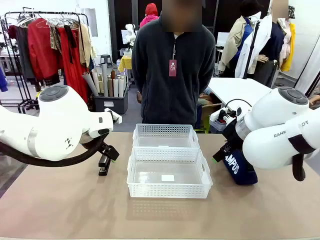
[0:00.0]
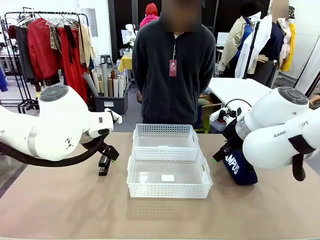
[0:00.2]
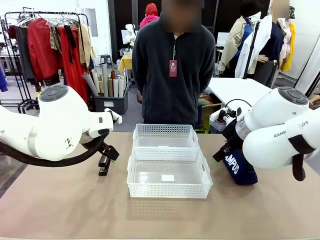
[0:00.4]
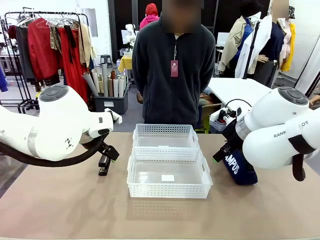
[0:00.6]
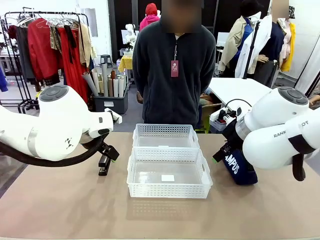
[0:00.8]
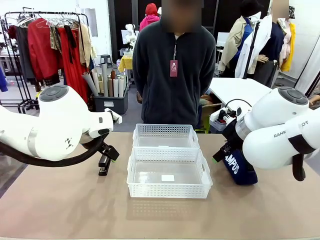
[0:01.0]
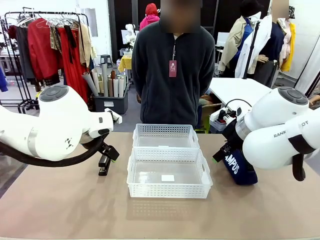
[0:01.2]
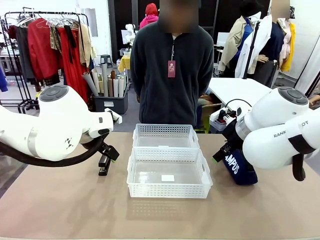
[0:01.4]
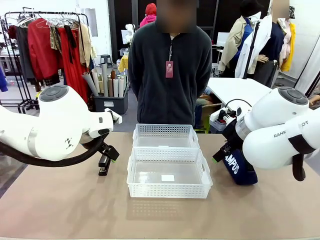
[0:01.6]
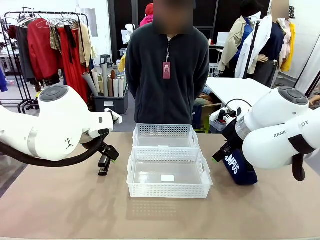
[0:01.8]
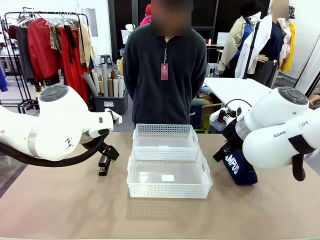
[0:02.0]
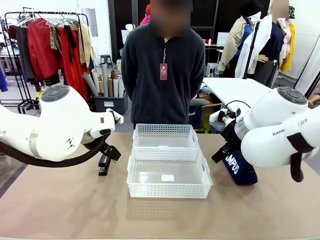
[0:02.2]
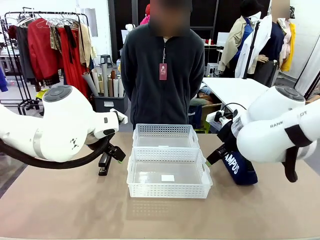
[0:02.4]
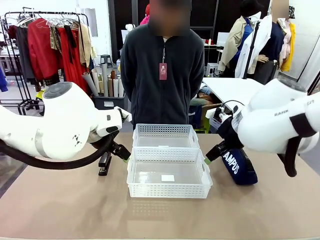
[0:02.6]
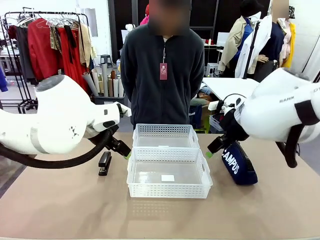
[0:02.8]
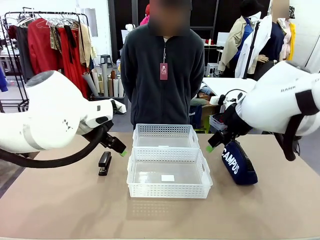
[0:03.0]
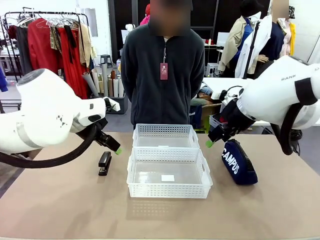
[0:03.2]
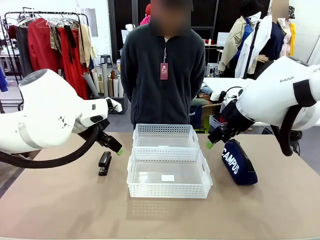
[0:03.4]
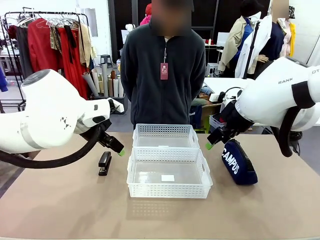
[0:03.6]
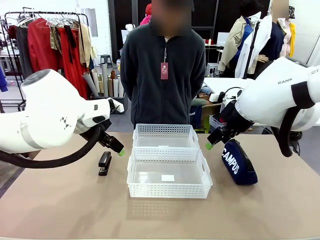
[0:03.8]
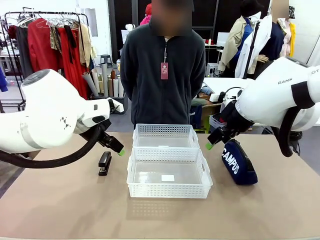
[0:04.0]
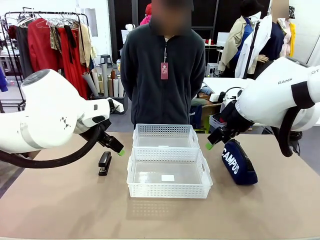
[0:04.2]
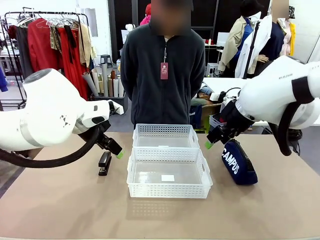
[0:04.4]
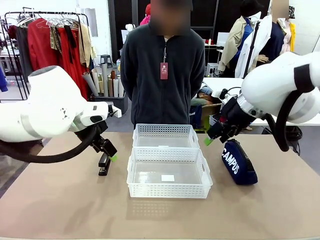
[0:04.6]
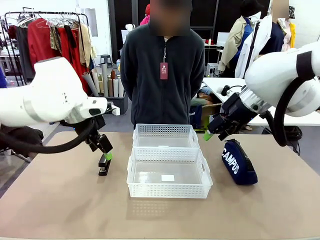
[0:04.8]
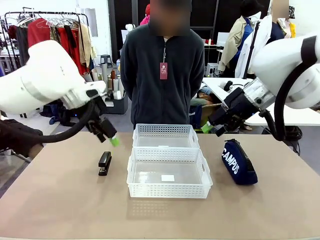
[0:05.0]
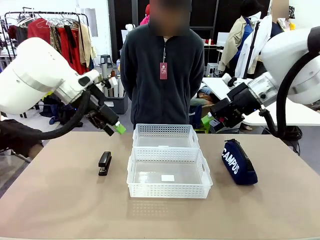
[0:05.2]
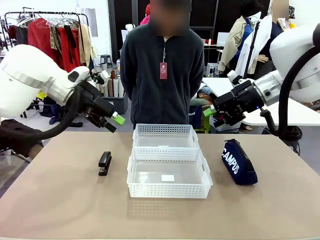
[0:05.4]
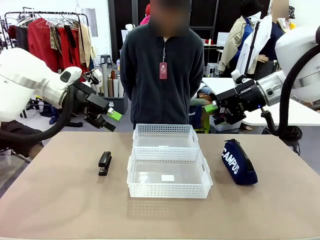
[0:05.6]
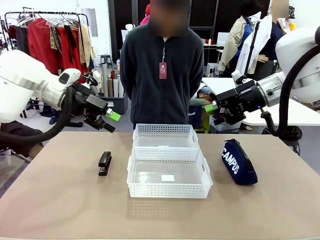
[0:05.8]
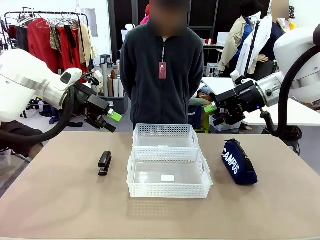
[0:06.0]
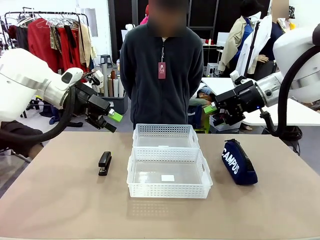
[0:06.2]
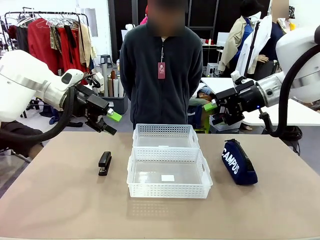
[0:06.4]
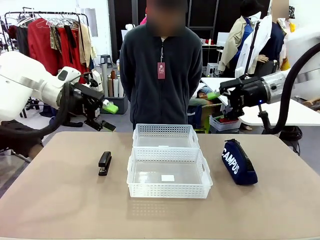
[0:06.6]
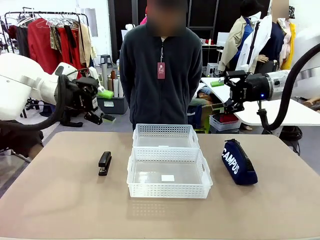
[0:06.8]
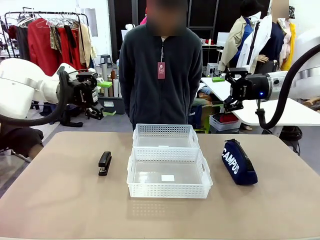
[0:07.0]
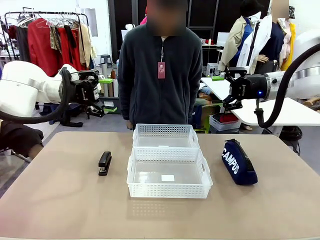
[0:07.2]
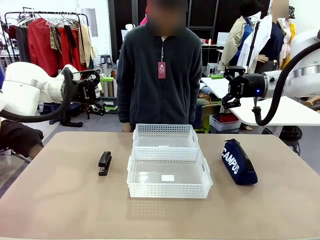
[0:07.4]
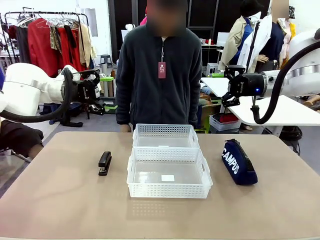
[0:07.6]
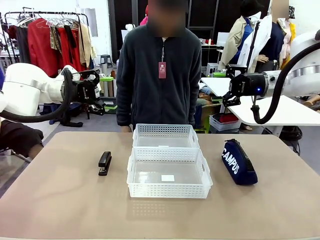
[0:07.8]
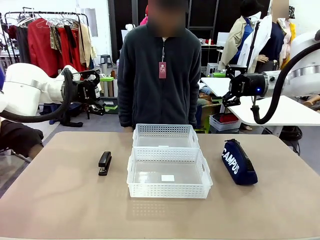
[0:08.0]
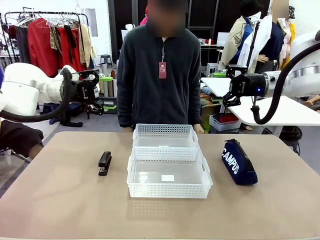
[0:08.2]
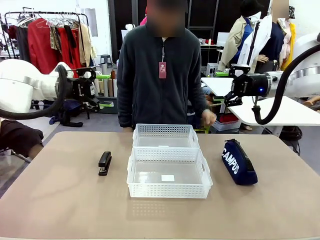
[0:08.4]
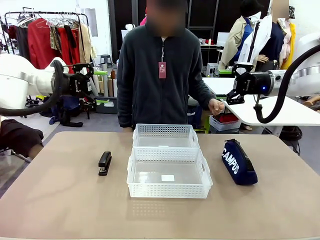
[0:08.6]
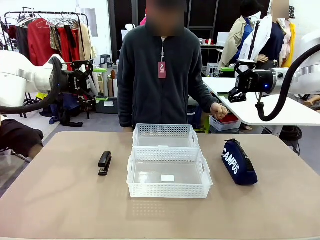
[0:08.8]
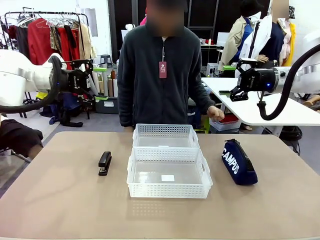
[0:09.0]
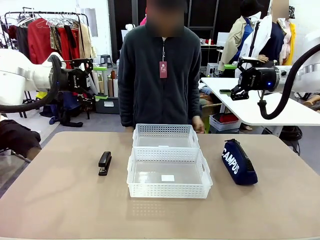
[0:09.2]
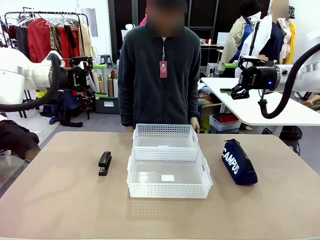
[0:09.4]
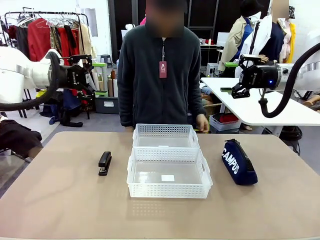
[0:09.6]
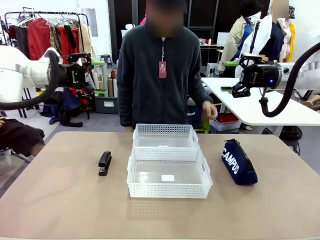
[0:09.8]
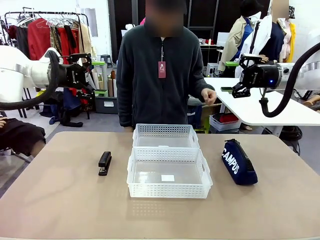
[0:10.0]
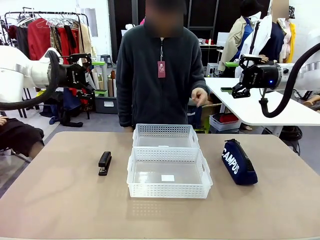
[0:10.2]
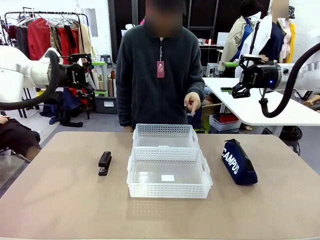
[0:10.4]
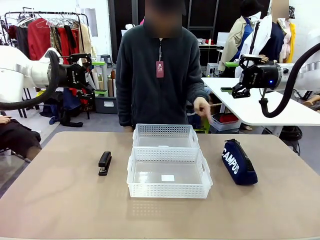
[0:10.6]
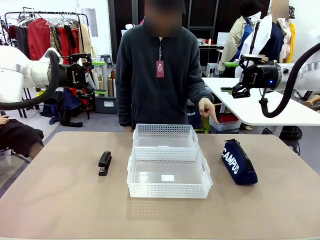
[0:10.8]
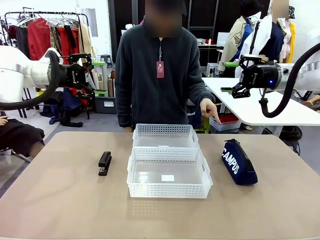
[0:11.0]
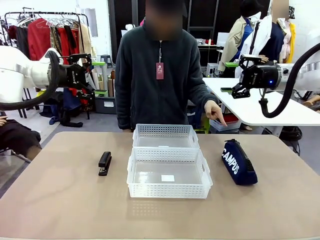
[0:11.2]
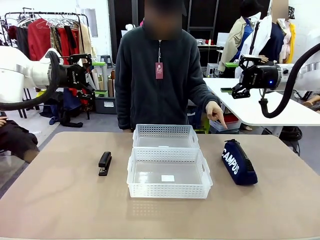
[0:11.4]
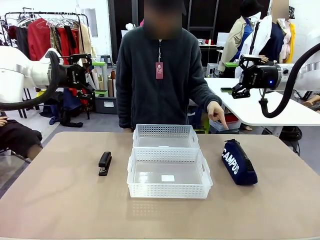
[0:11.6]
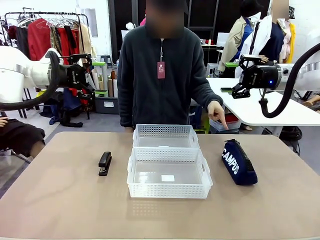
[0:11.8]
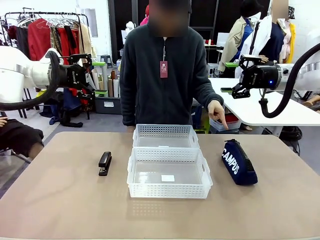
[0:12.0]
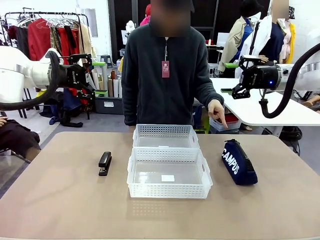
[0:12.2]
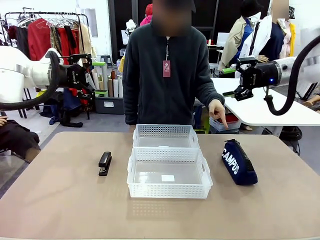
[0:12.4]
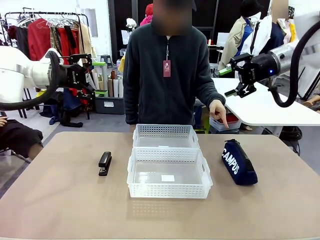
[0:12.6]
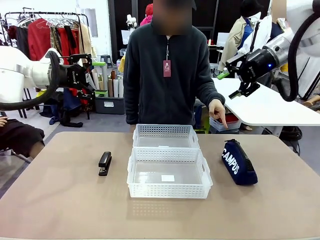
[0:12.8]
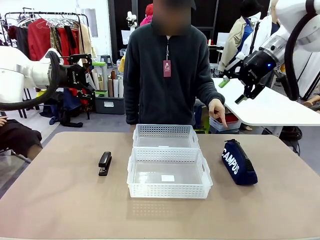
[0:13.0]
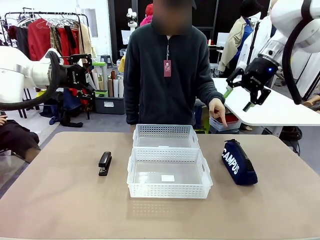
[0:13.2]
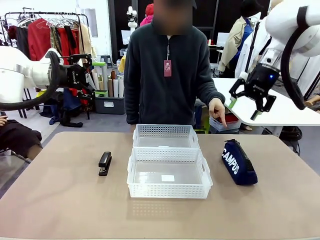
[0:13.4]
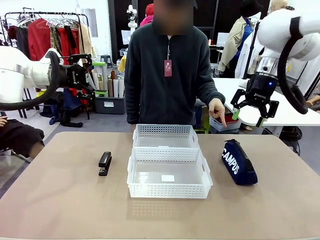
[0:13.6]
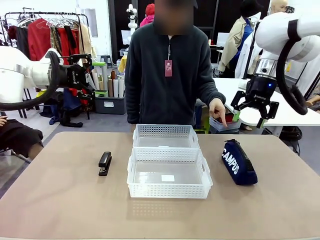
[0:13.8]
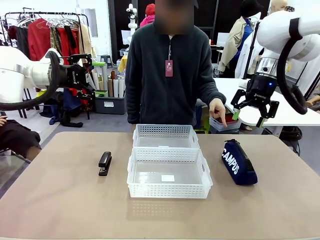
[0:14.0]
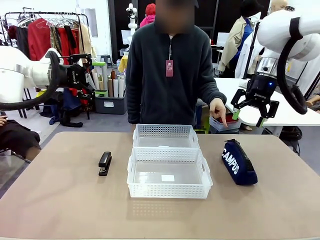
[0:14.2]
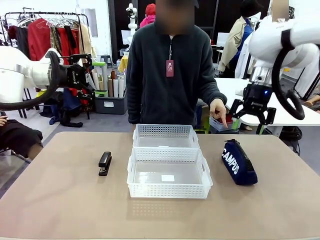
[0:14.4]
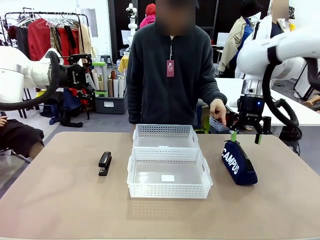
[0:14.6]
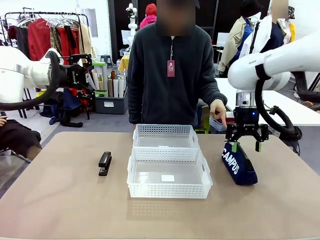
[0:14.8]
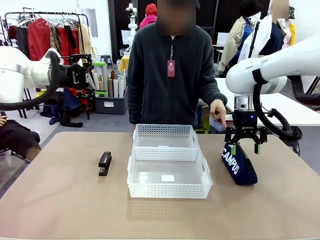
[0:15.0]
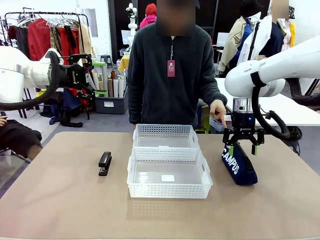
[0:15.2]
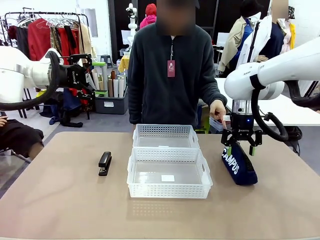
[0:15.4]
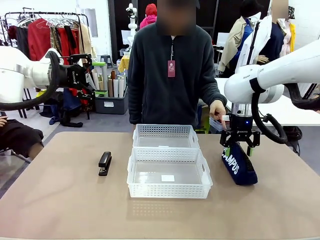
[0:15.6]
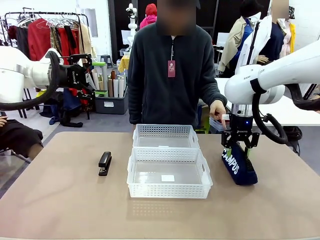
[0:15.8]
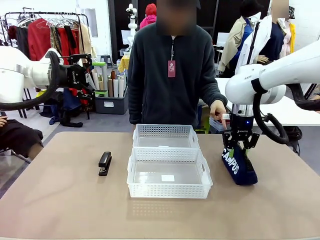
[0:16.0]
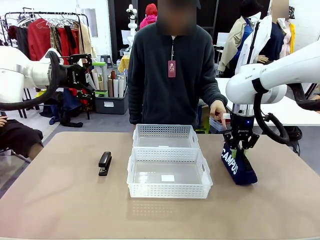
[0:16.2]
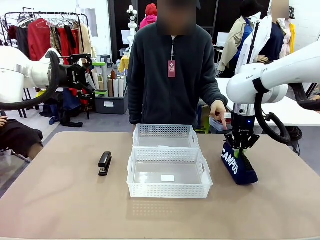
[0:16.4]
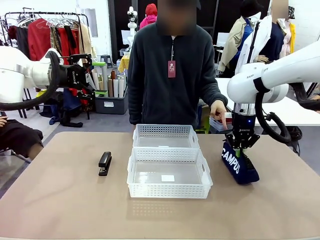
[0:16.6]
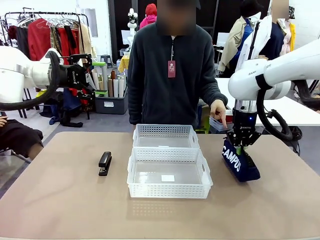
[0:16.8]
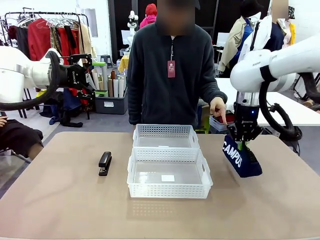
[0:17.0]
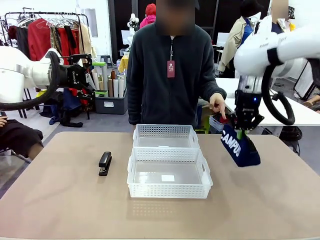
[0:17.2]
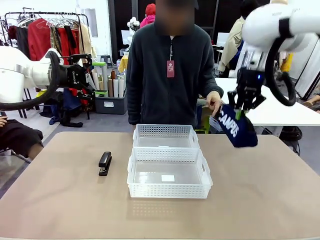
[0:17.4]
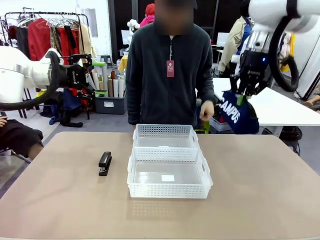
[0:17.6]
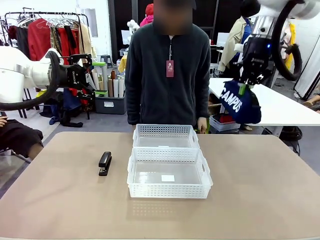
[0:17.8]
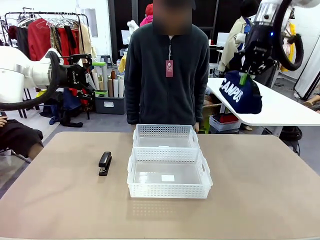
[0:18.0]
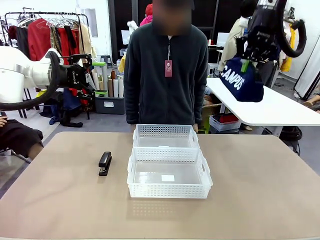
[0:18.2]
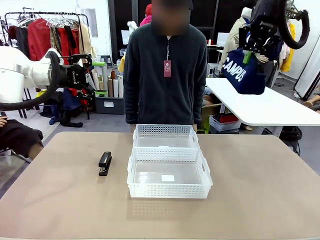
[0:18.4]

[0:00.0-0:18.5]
Task: Distribute items into two baskets.
Robot: Pick up the Pencil pouch that the person points to.
Person: Points to the pencil case. Points between the two organizing baskets and instructs the robot to move the pencil case.

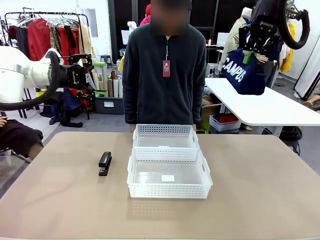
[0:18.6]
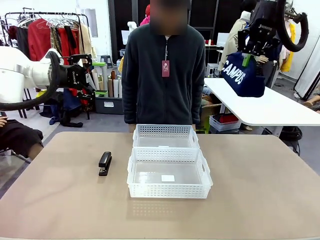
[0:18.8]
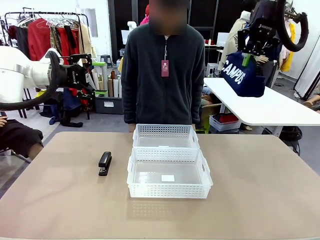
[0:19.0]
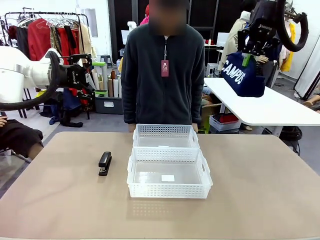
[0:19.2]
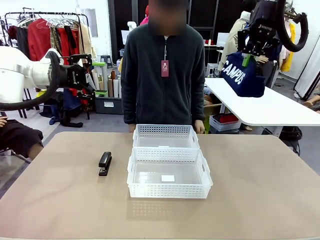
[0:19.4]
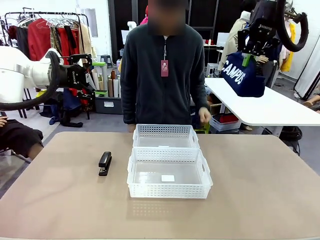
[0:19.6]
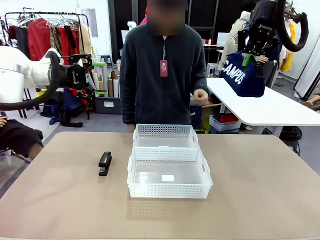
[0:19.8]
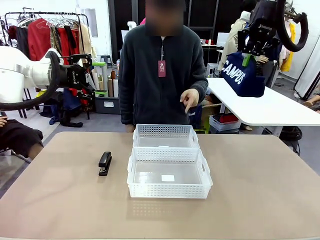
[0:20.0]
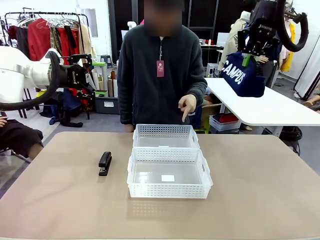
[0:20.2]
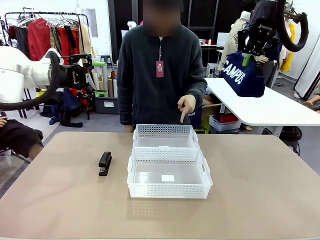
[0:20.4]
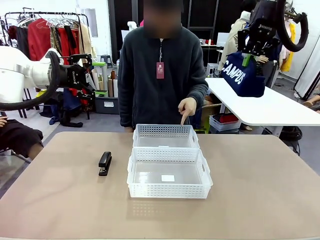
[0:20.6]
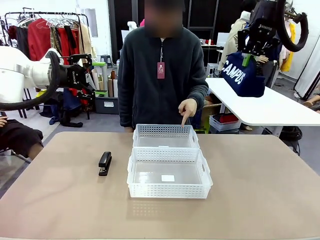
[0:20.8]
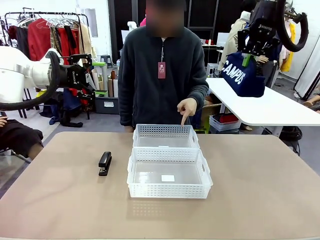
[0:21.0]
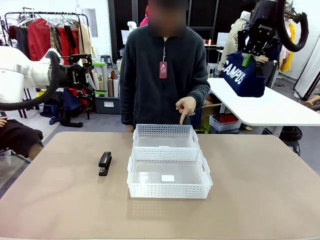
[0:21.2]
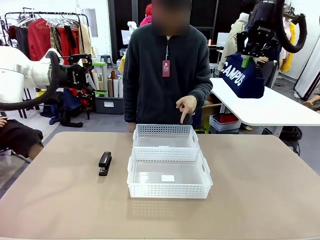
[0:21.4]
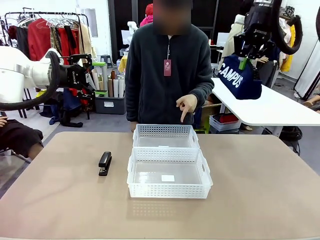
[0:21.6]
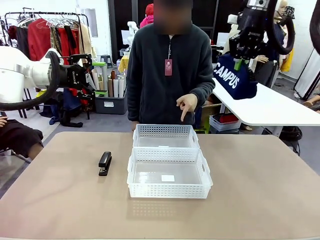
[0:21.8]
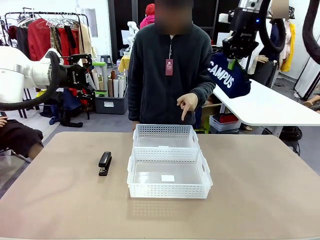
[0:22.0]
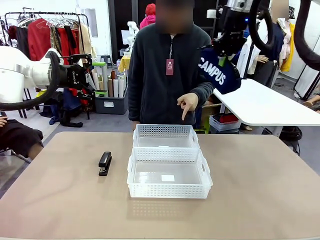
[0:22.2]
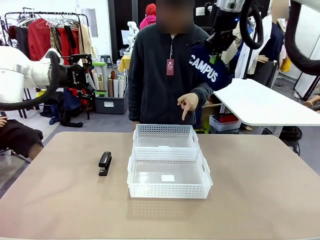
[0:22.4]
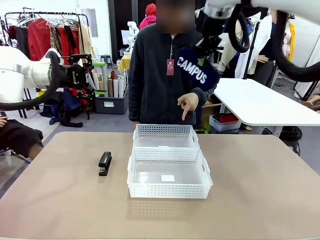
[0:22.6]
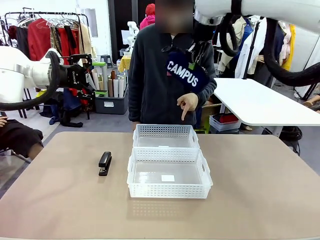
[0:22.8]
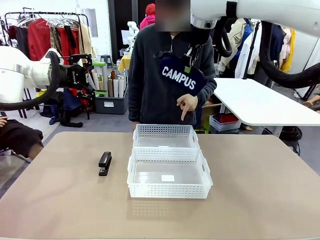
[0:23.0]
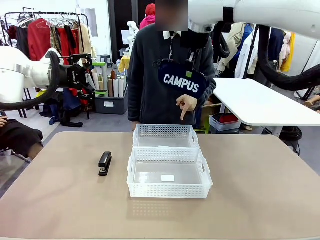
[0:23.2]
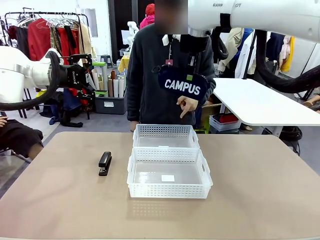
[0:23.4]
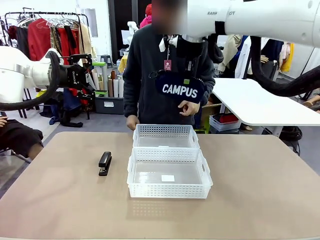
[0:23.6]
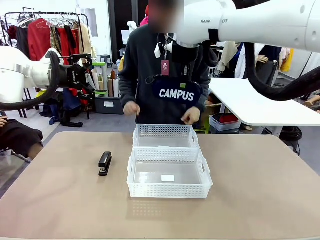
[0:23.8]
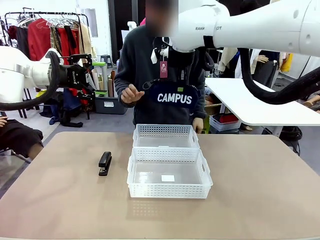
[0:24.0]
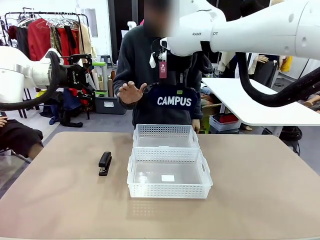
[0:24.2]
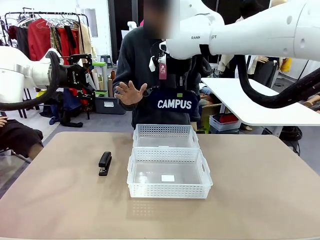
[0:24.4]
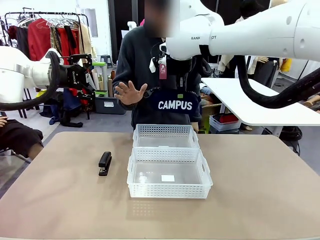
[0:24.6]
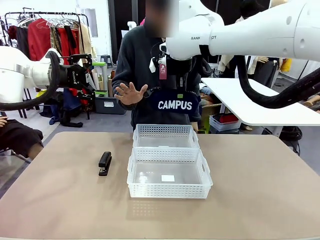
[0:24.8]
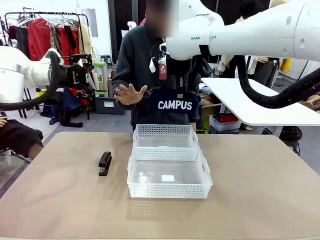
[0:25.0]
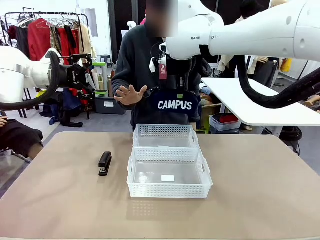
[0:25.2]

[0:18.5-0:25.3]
Robot: Move the picked Pencil pouch towards the Organizing basket indicated by the person, stopping as directed.
Person: Sends a stop gesture before the robot places the pencil case into the basket.
